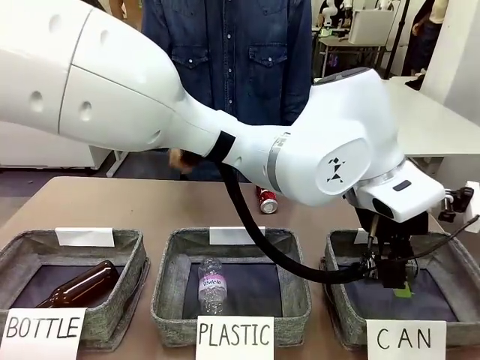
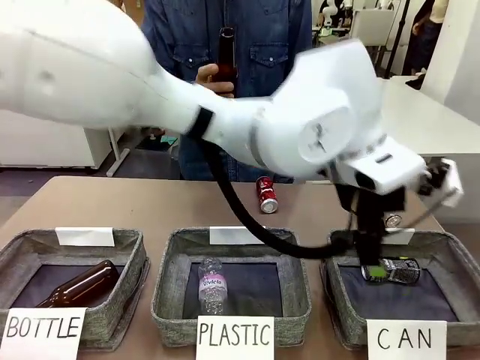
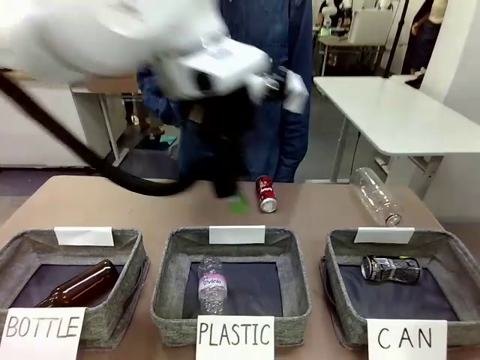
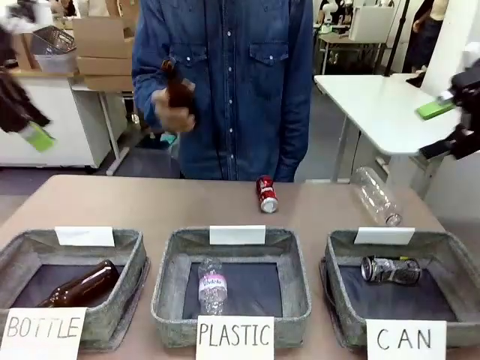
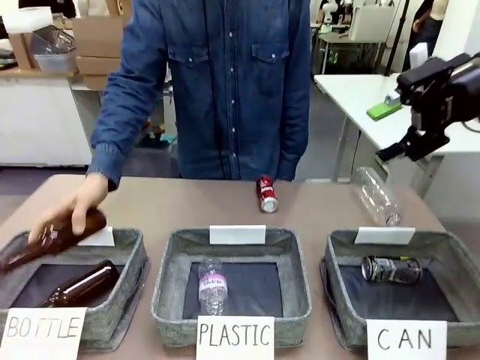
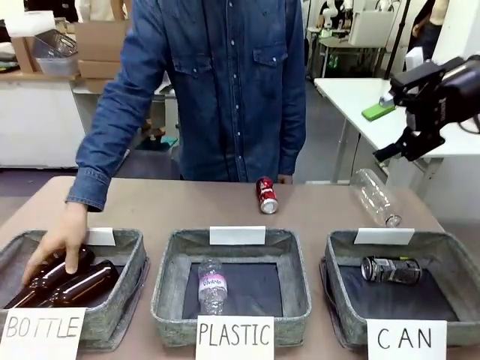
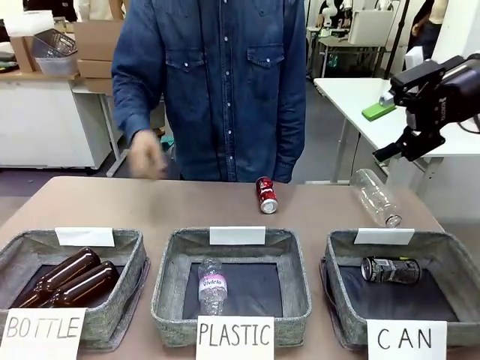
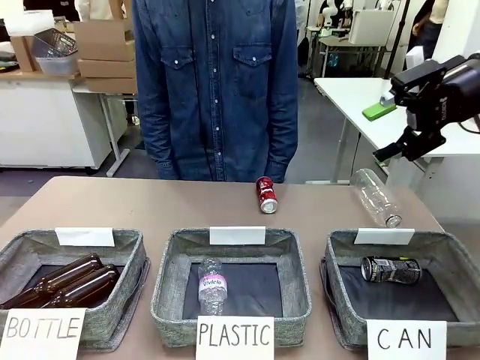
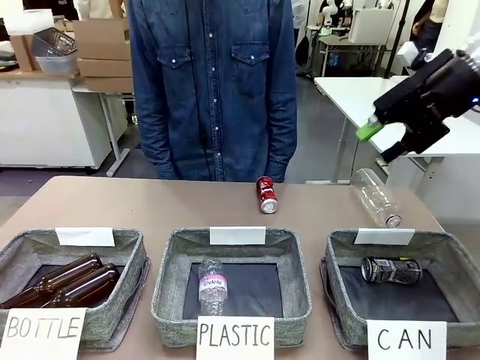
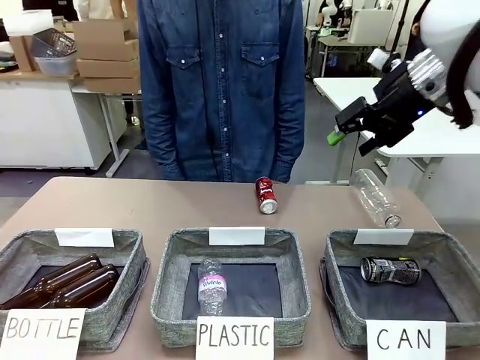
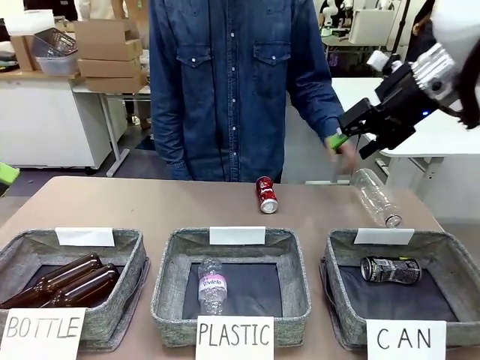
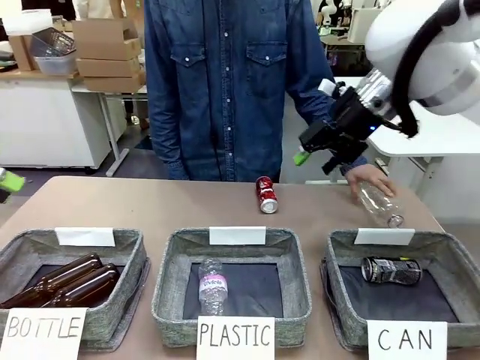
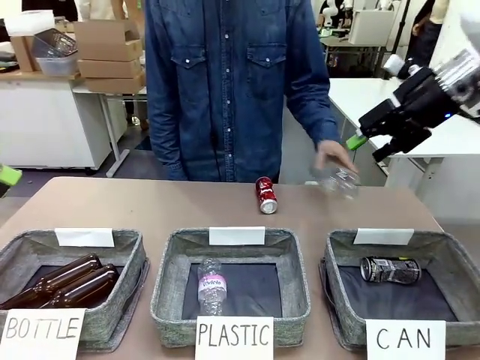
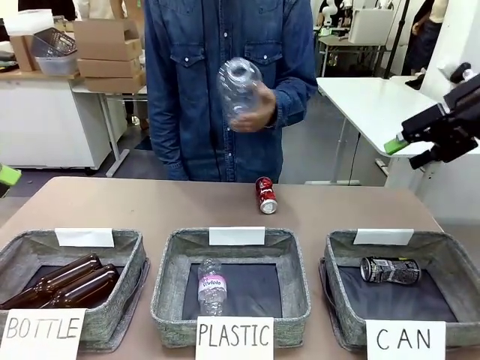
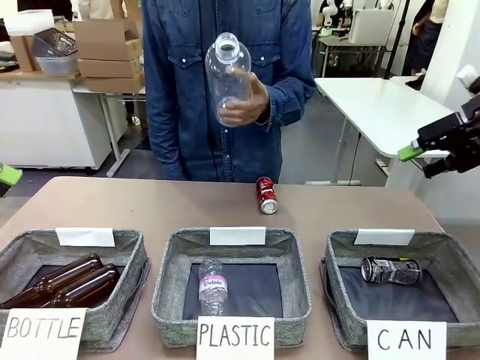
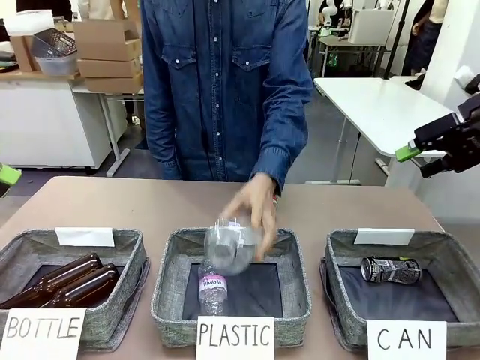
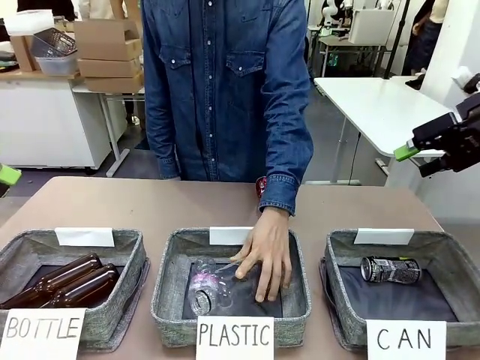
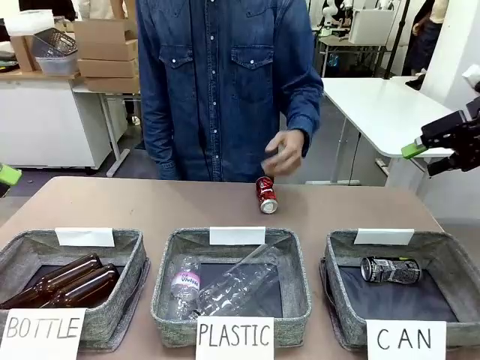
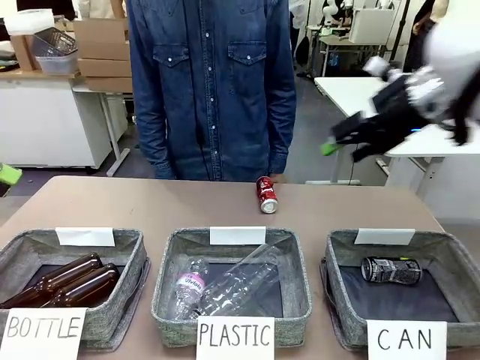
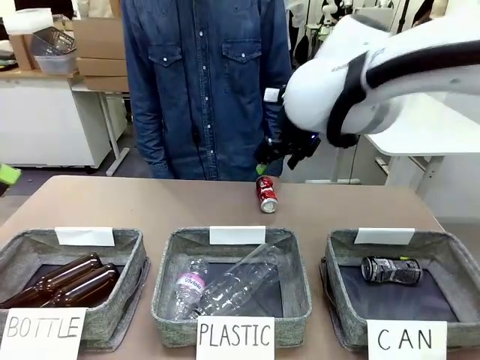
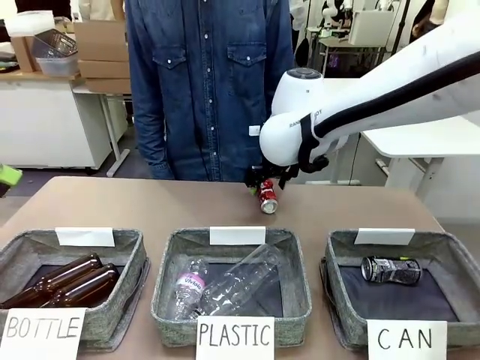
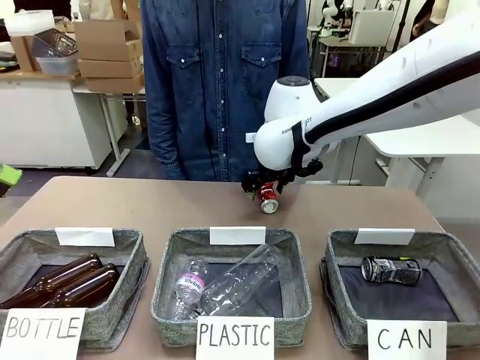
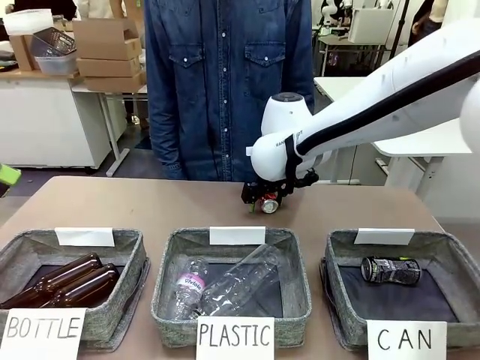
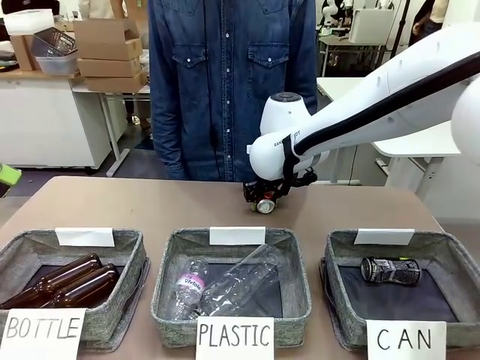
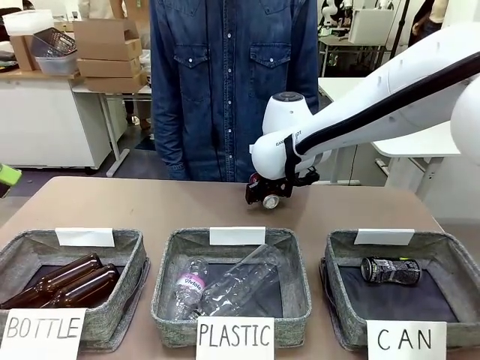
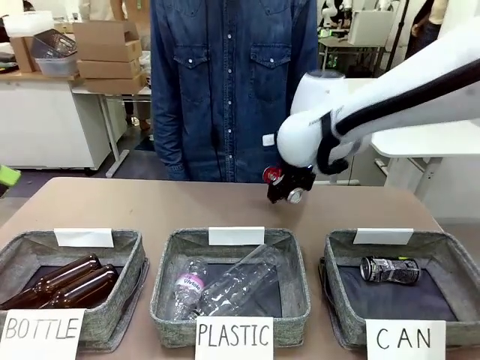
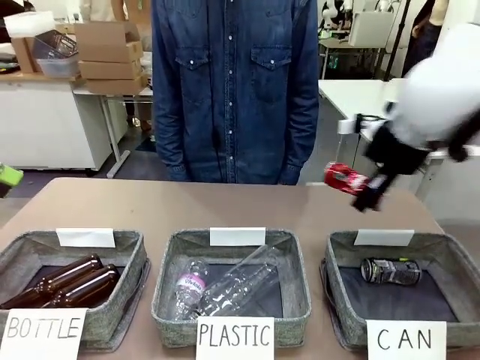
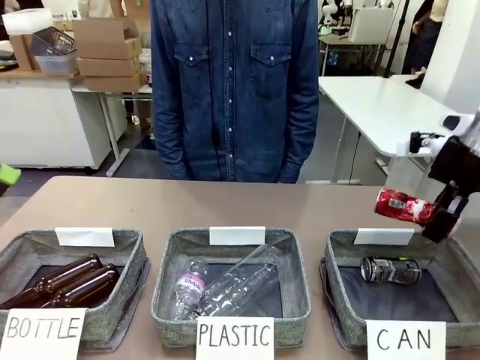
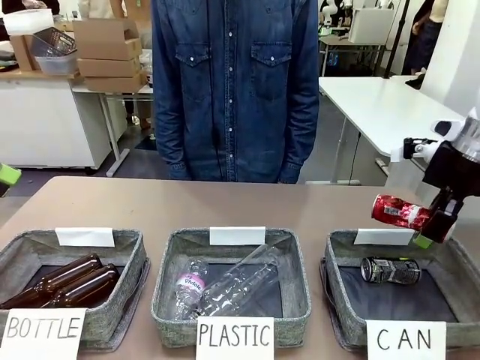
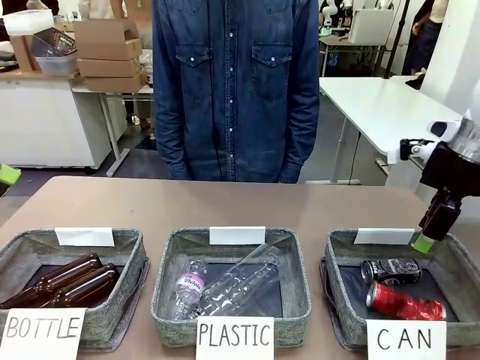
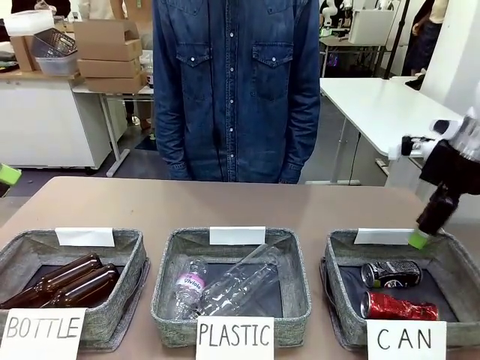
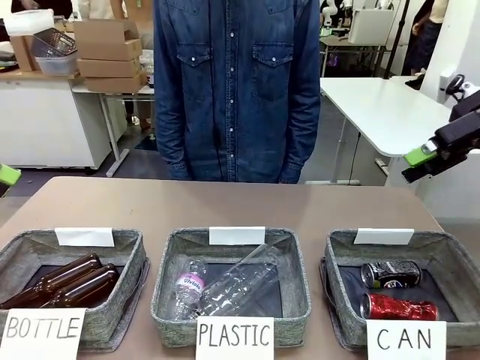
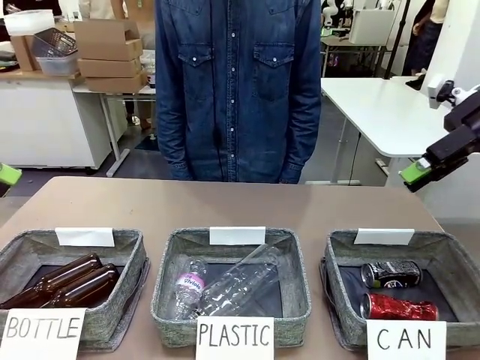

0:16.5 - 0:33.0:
Task: Sort the can waste into the basket.
Robot: Pick up the can waste from the table and place it in the right Fabric basket.
